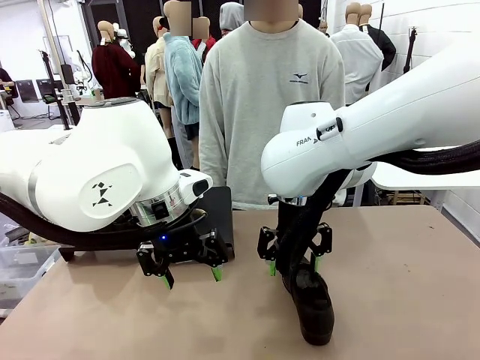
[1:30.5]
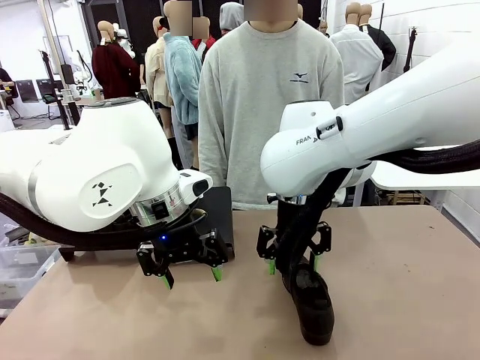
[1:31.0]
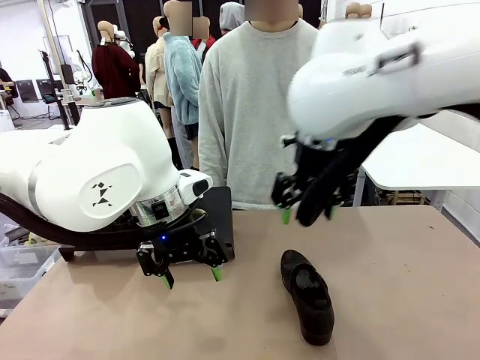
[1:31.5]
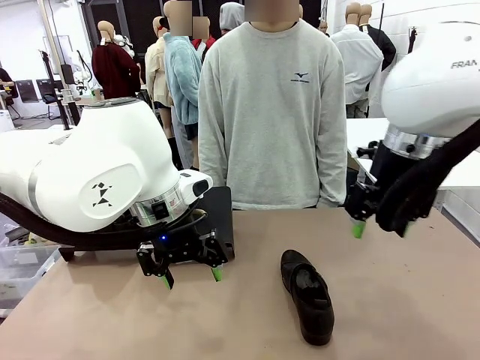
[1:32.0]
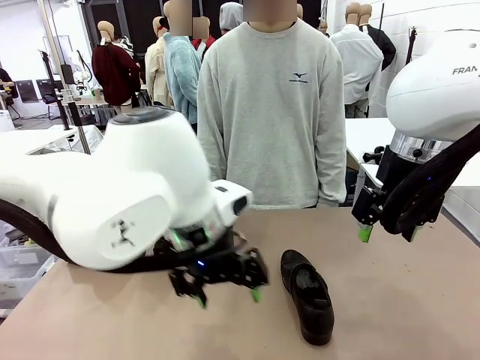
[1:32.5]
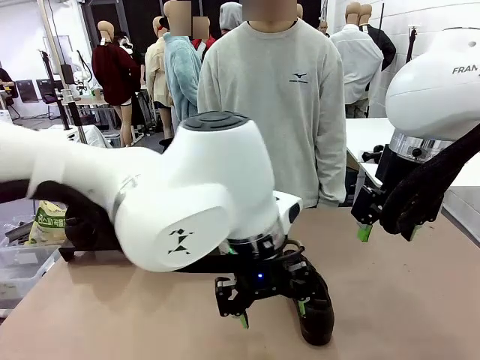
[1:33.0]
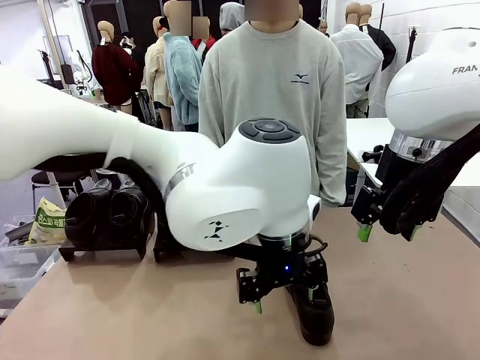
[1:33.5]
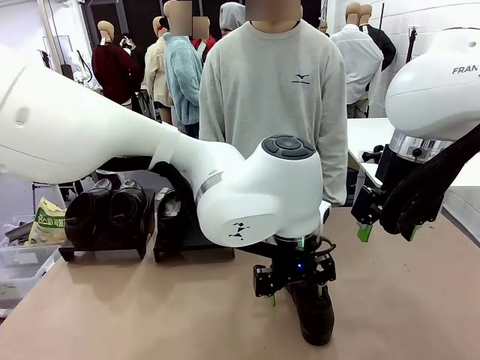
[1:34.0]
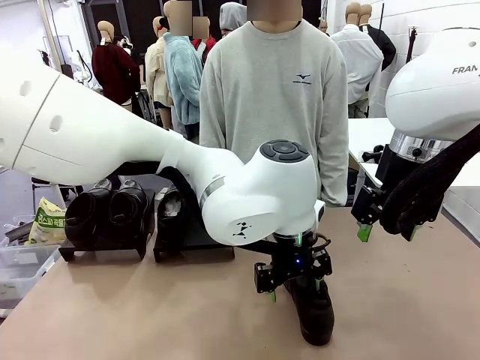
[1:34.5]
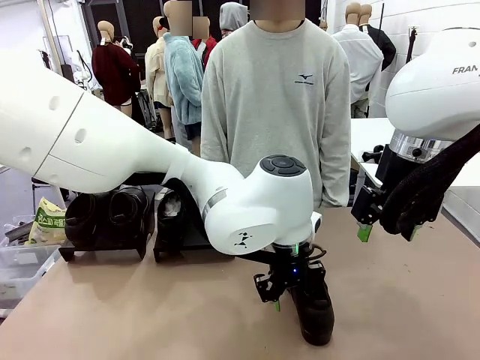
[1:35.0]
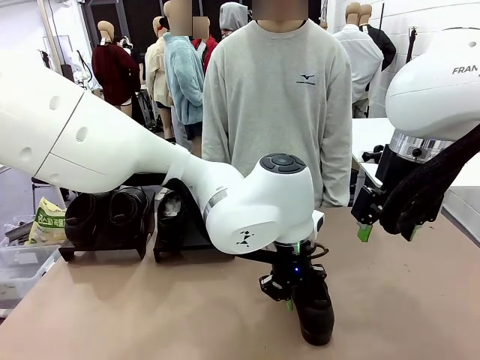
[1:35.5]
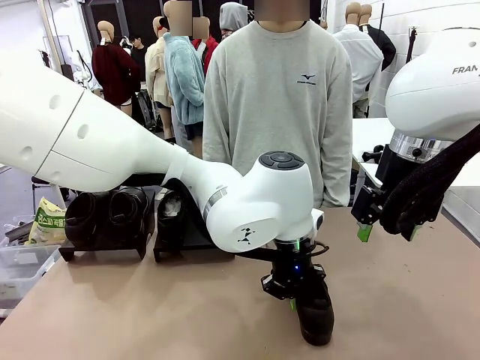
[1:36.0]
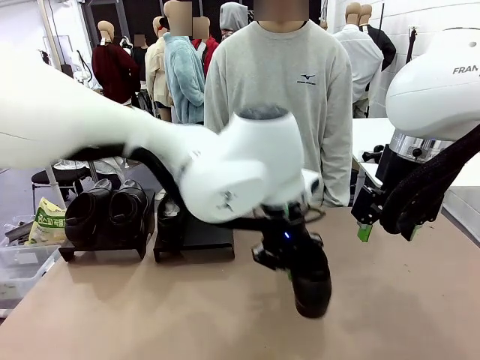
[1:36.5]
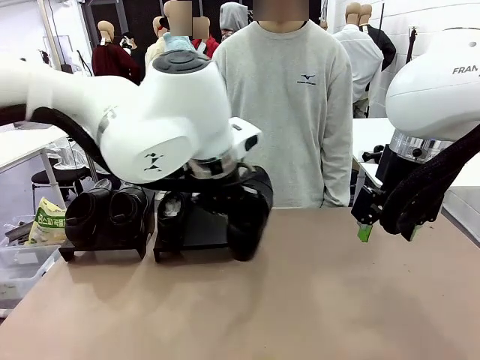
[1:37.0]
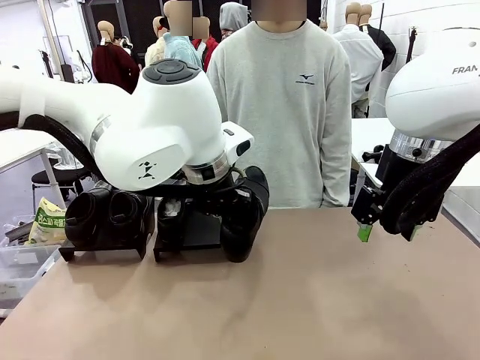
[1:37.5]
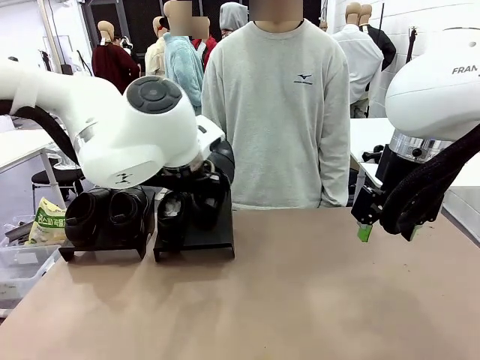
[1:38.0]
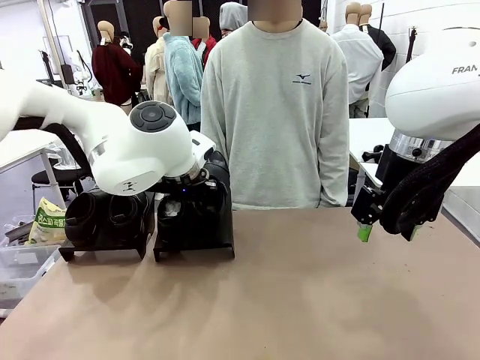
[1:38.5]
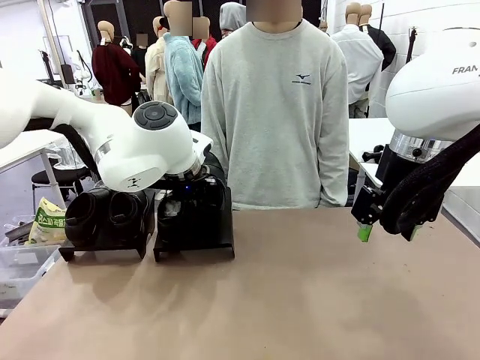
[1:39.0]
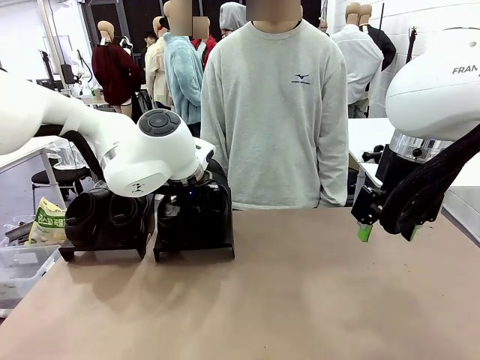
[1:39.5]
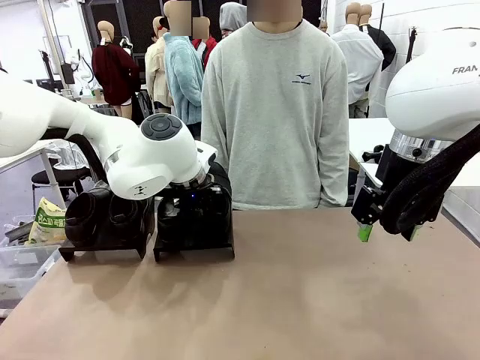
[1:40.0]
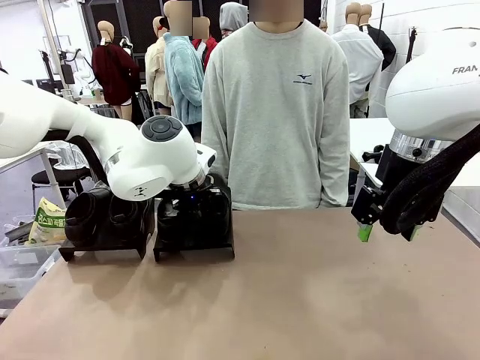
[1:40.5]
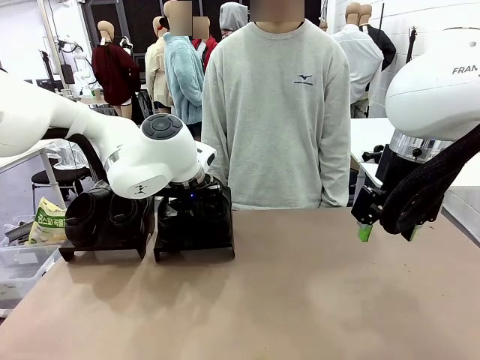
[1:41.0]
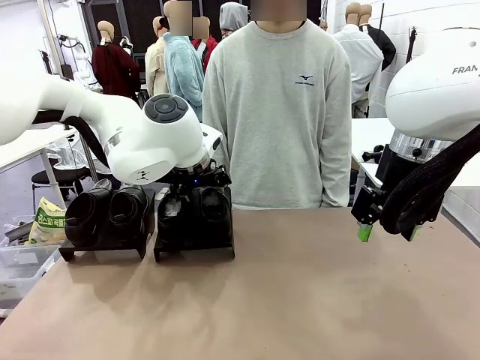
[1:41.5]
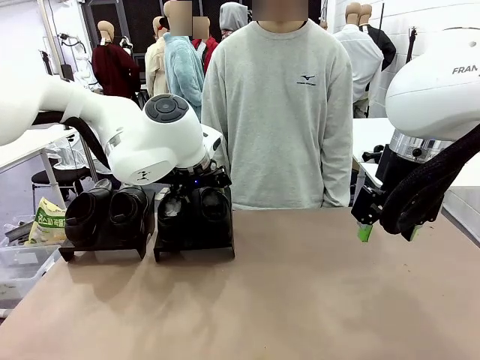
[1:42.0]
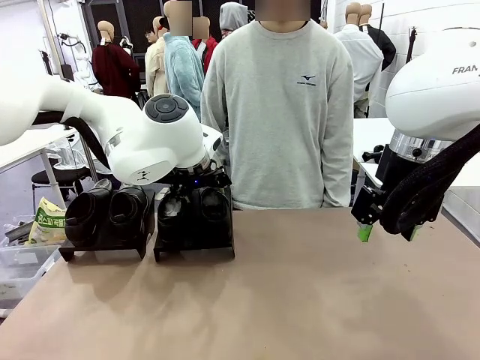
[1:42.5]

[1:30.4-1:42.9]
Task: Organize the shoes by placing them on the stand.
Robot: Place the Shoe from the middle of the table onto the Shoes Stand.

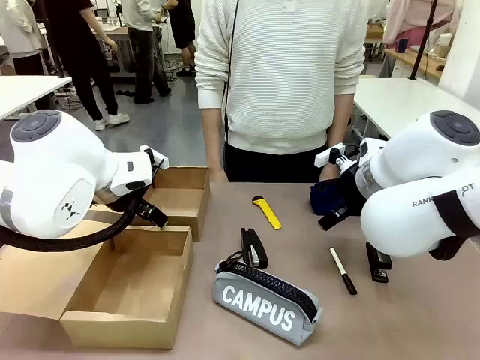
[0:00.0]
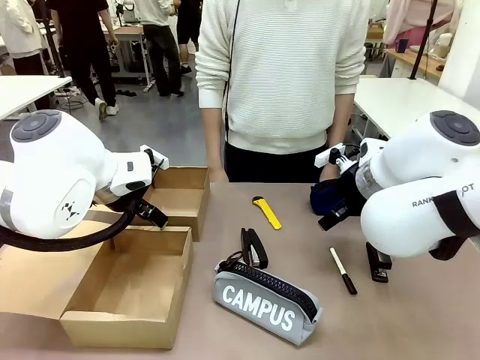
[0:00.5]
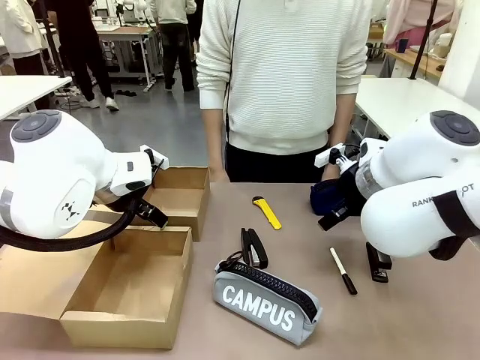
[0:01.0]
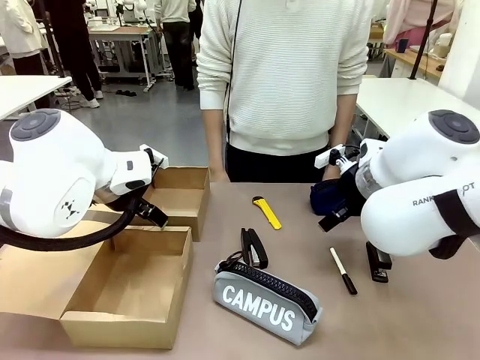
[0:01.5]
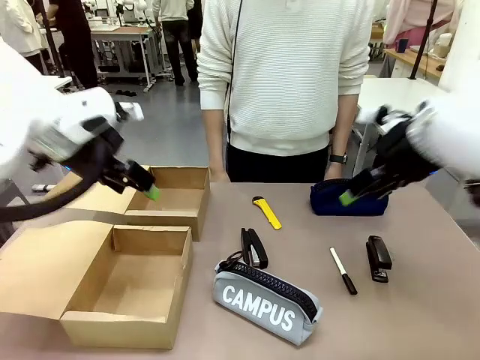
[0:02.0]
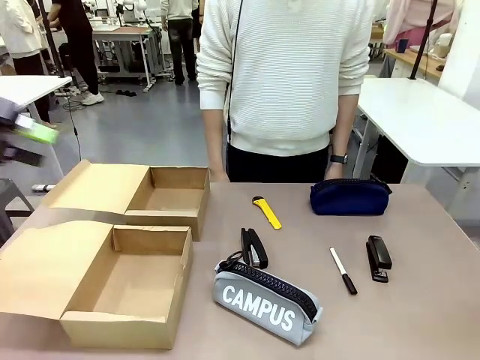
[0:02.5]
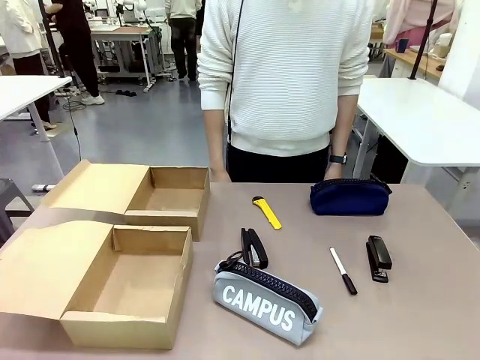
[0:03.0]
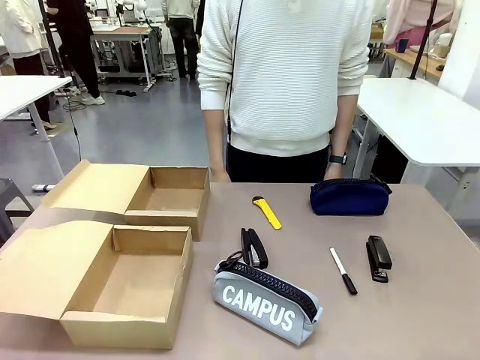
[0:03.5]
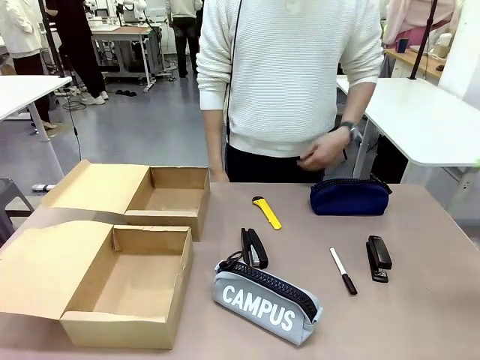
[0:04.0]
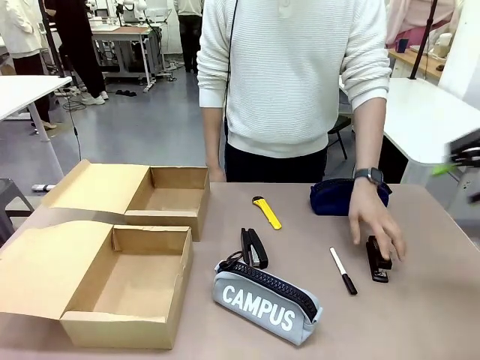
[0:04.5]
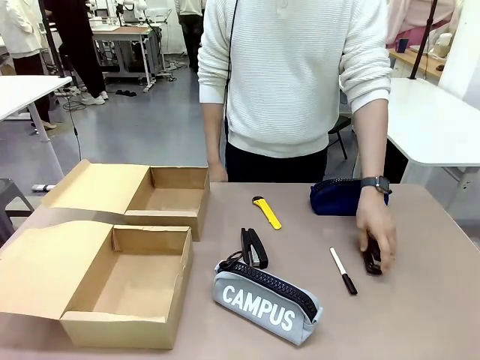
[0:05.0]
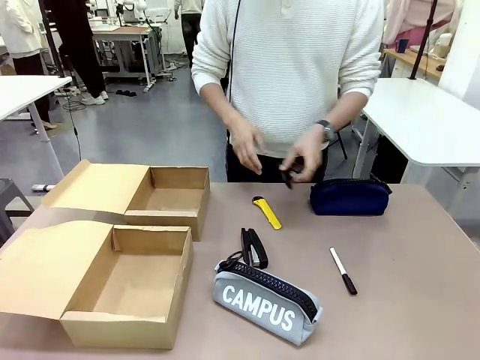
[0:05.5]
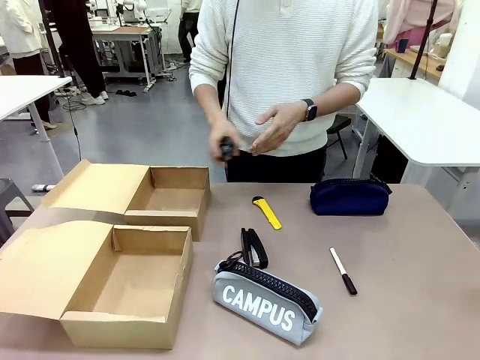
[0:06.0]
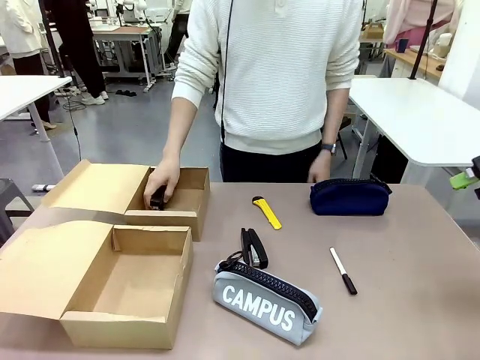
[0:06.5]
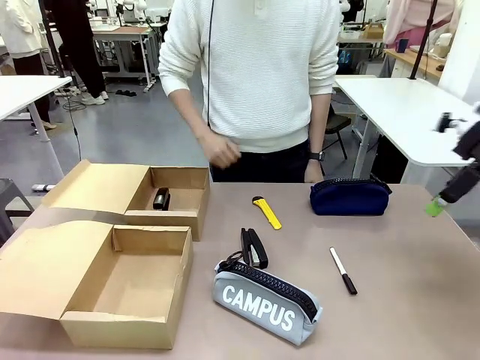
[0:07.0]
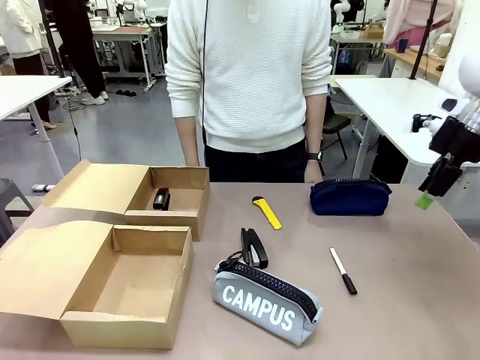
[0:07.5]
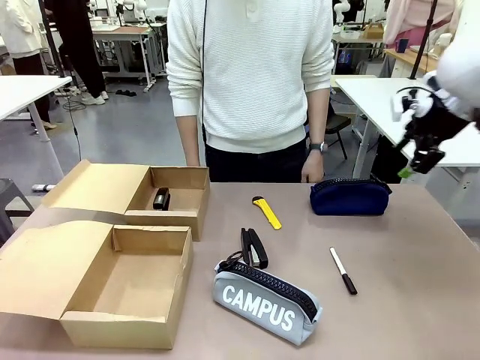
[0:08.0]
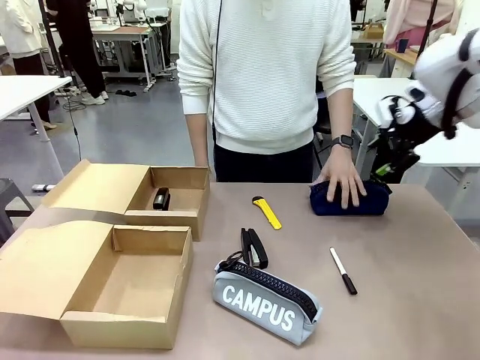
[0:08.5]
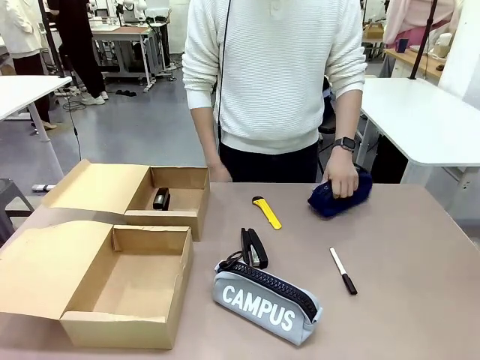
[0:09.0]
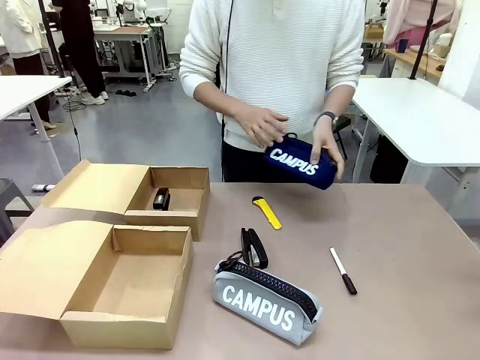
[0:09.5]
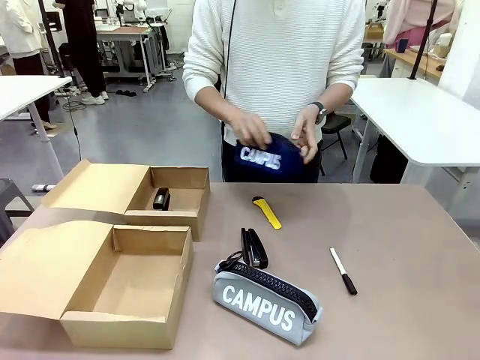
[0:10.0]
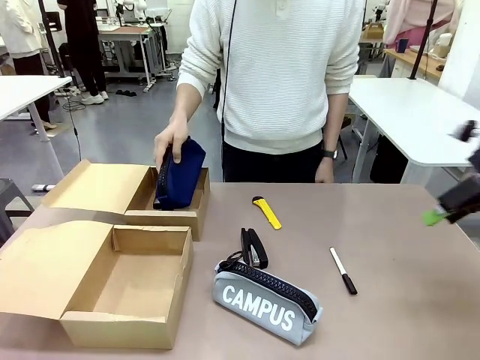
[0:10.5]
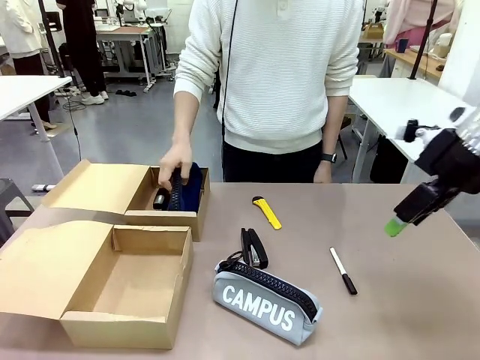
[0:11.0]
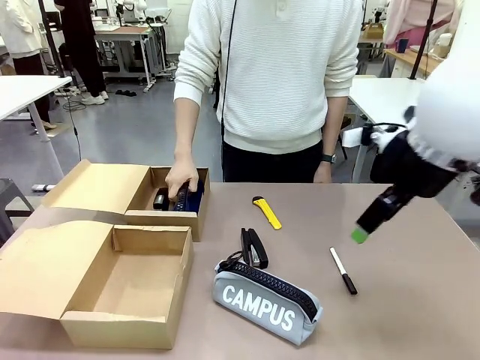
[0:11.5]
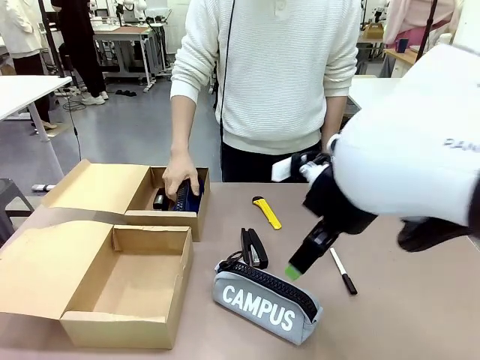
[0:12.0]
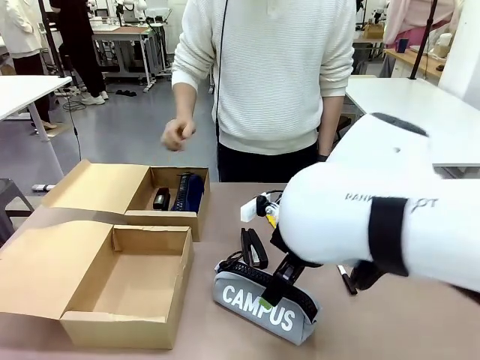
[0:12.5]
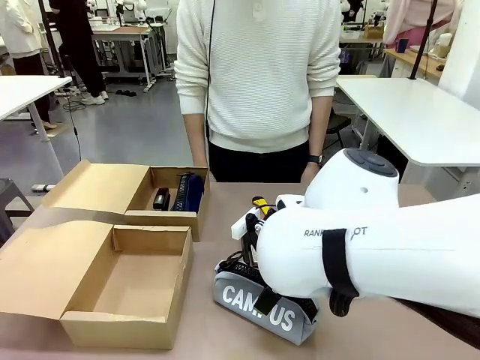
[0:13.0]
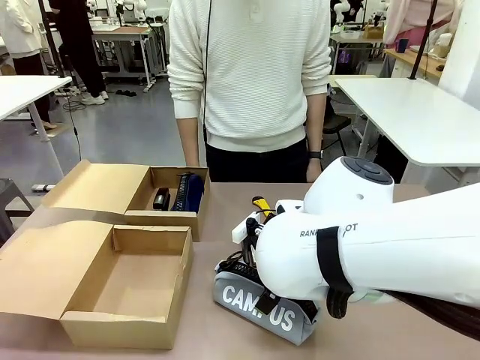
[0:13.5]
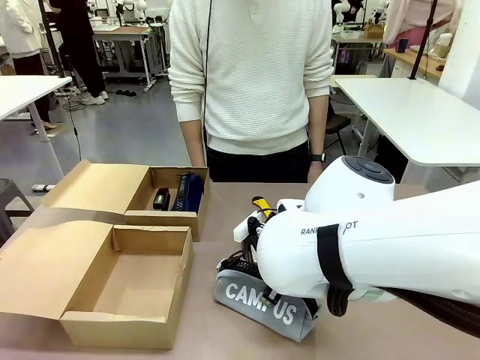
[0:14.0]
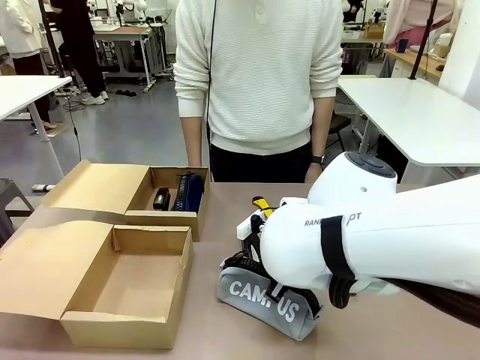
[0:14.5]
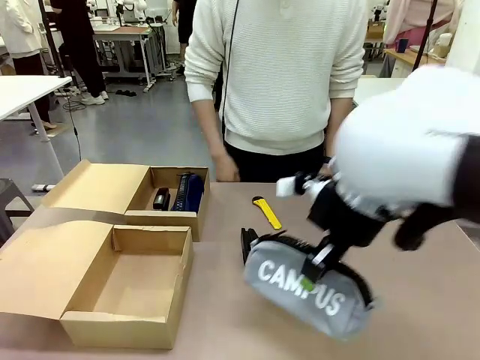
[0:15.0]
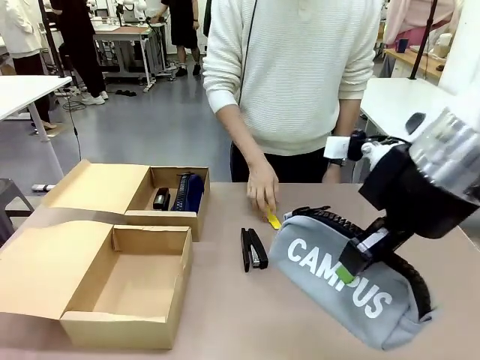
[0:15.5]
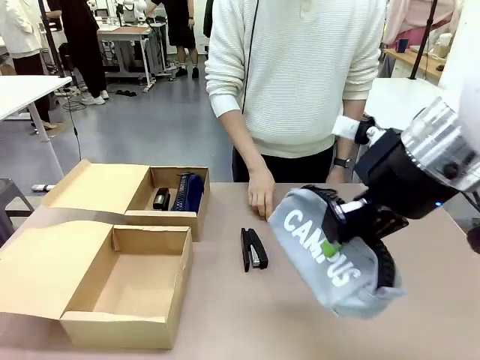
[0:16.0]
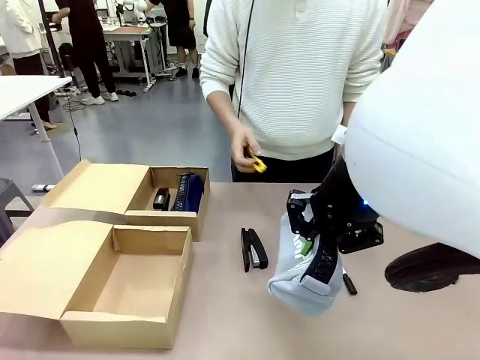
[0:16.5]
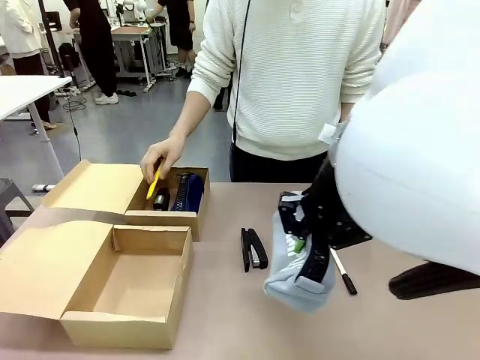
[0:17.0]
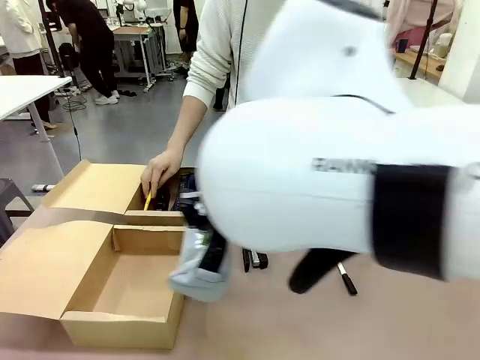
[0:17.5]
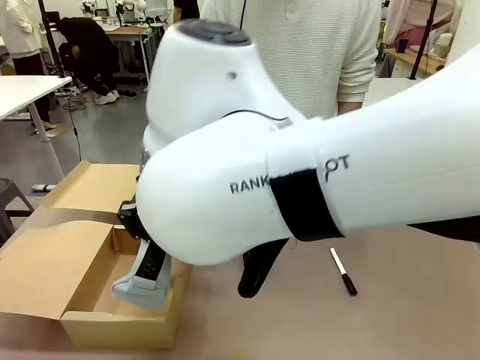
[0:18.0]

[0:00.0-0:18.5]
Task: Place items inside the box.
Robot: Pick up a Pencil pouch or Stapler and place it inside the Mailer Box closest to the robot.
Person: Pick up an object on the table and put it in the box.
